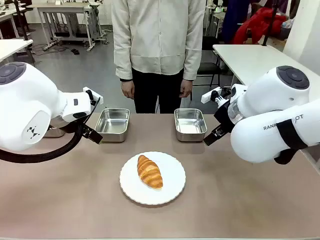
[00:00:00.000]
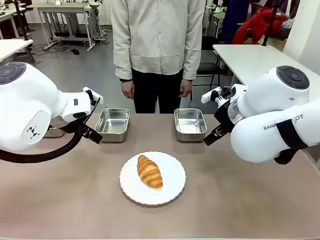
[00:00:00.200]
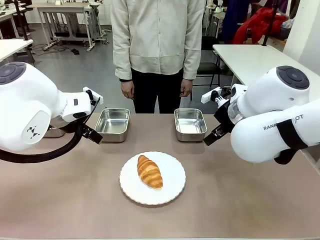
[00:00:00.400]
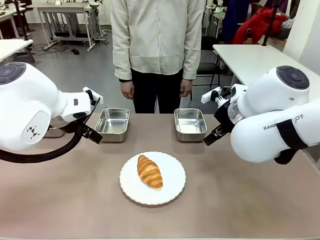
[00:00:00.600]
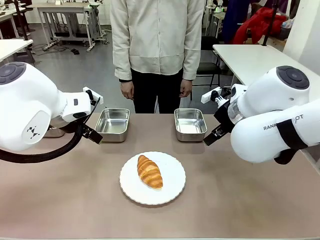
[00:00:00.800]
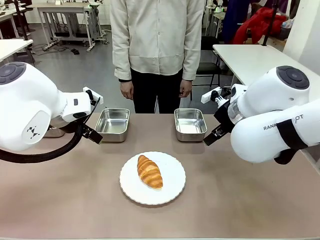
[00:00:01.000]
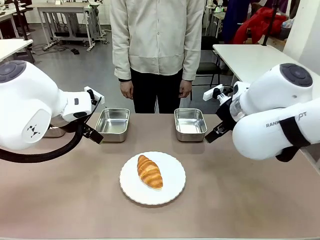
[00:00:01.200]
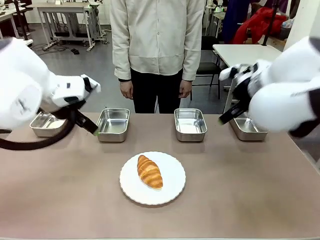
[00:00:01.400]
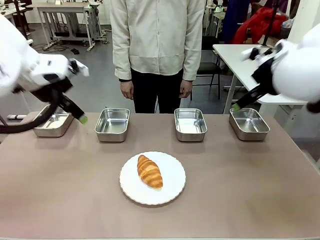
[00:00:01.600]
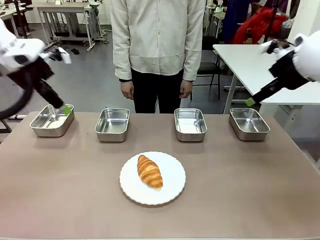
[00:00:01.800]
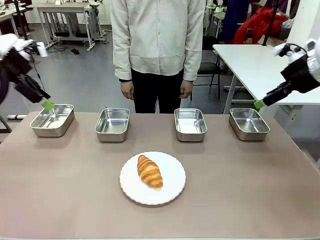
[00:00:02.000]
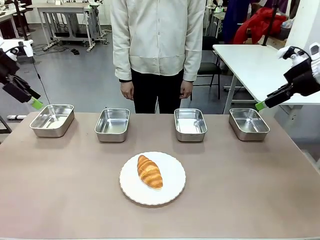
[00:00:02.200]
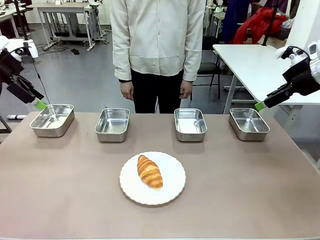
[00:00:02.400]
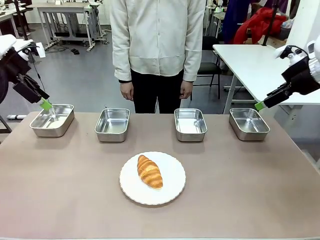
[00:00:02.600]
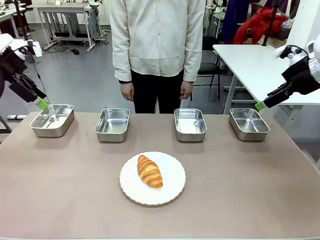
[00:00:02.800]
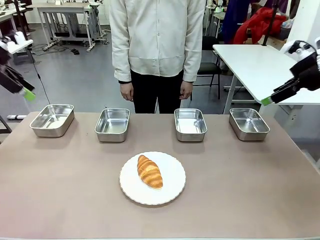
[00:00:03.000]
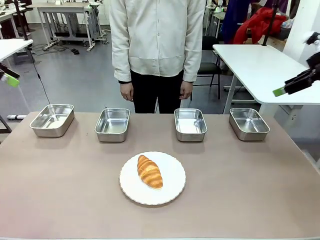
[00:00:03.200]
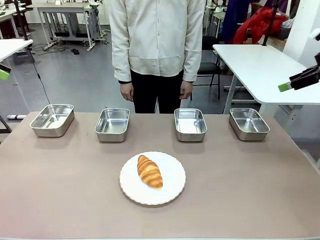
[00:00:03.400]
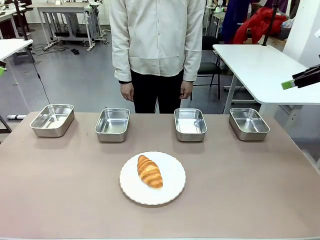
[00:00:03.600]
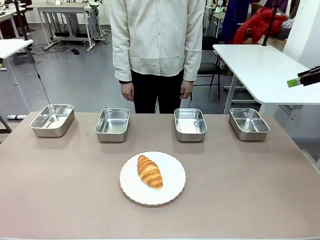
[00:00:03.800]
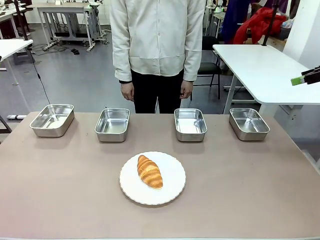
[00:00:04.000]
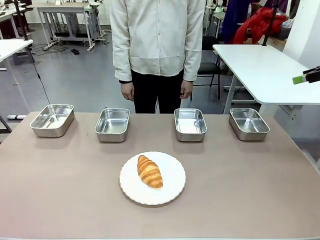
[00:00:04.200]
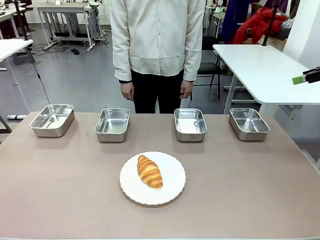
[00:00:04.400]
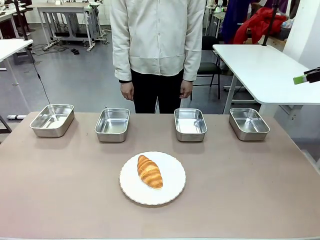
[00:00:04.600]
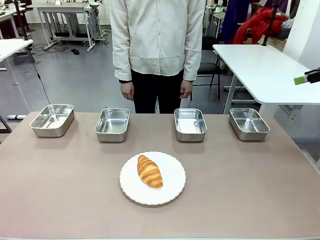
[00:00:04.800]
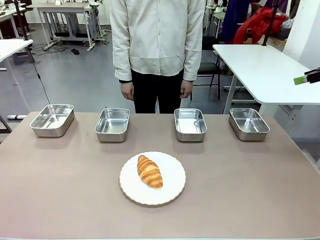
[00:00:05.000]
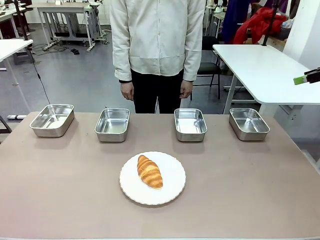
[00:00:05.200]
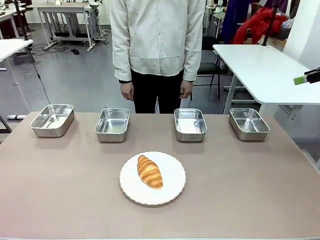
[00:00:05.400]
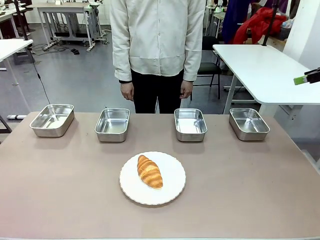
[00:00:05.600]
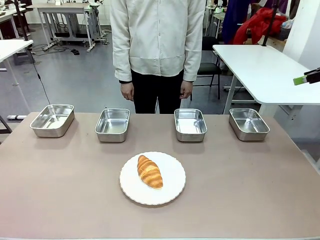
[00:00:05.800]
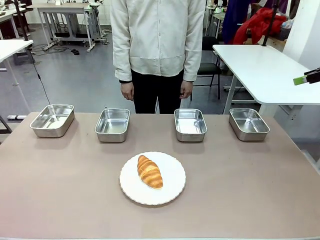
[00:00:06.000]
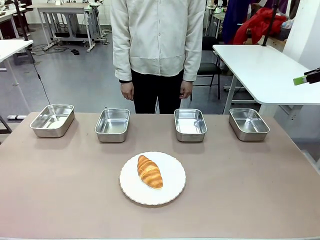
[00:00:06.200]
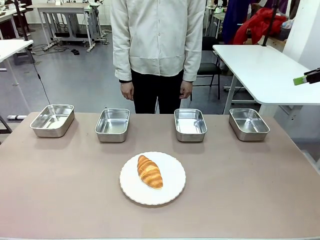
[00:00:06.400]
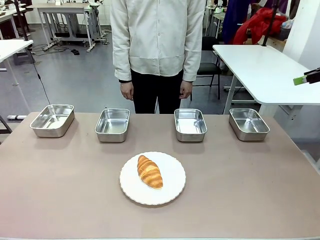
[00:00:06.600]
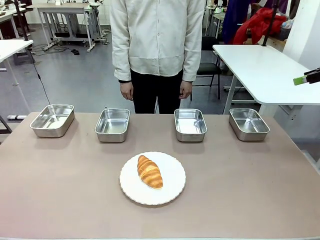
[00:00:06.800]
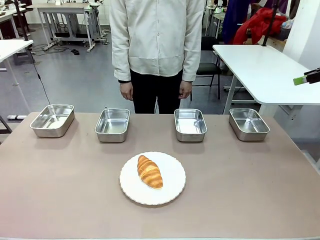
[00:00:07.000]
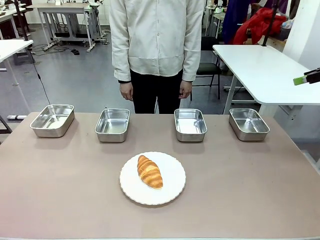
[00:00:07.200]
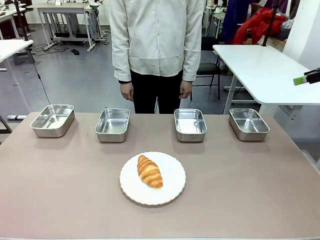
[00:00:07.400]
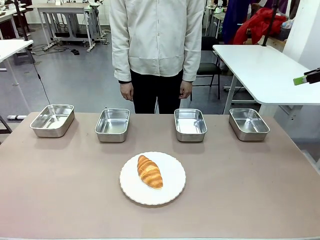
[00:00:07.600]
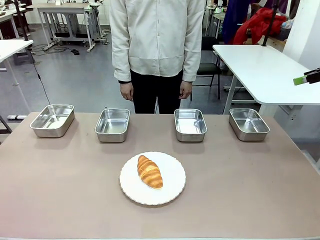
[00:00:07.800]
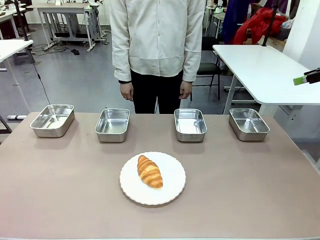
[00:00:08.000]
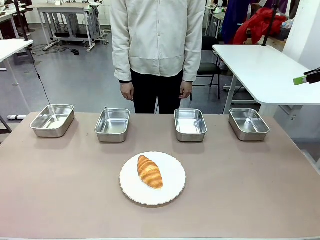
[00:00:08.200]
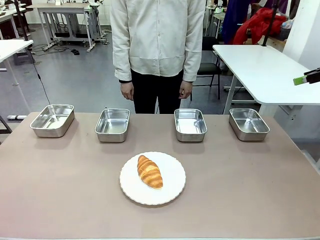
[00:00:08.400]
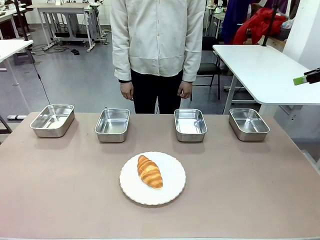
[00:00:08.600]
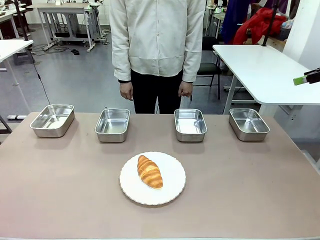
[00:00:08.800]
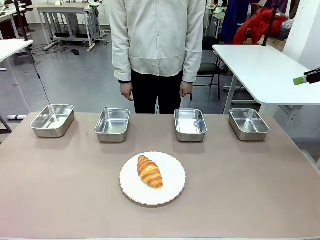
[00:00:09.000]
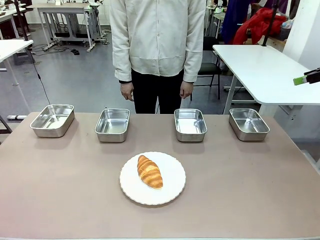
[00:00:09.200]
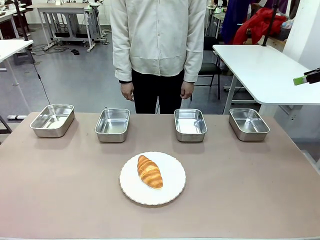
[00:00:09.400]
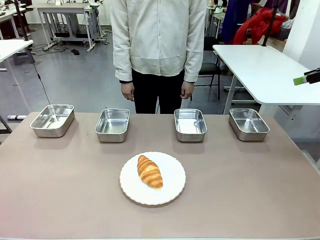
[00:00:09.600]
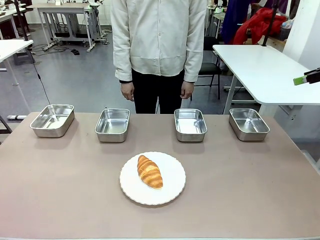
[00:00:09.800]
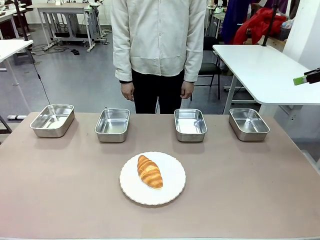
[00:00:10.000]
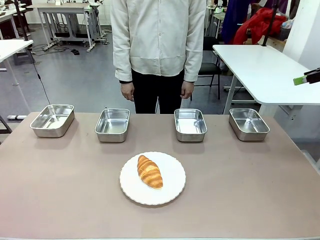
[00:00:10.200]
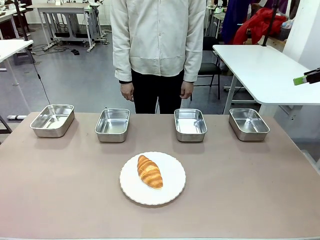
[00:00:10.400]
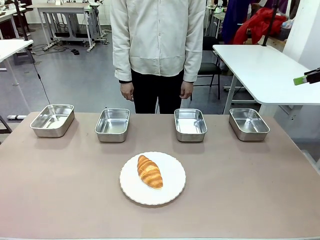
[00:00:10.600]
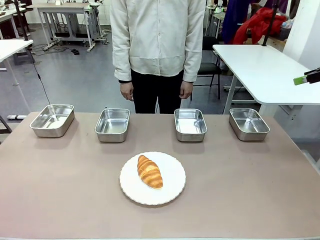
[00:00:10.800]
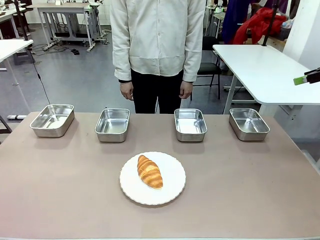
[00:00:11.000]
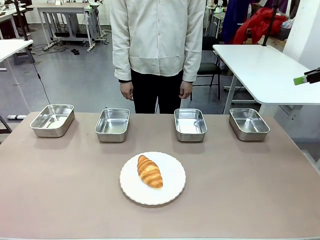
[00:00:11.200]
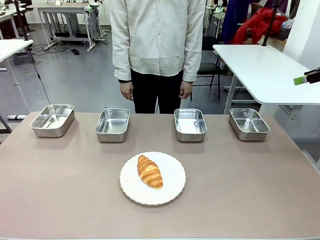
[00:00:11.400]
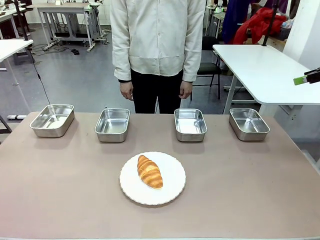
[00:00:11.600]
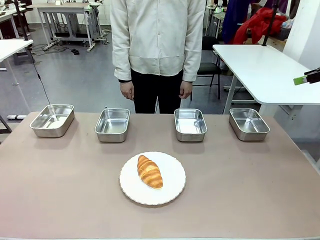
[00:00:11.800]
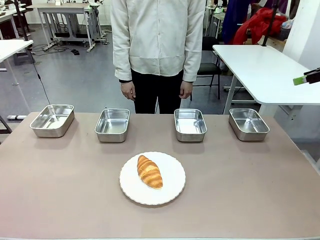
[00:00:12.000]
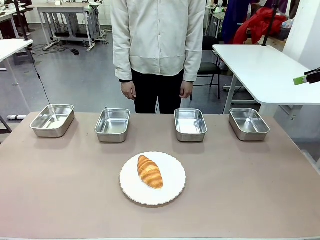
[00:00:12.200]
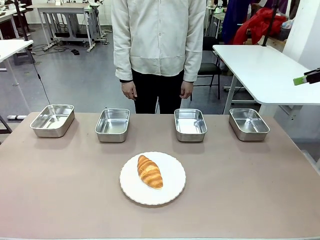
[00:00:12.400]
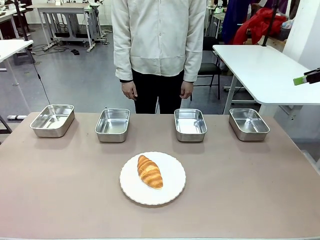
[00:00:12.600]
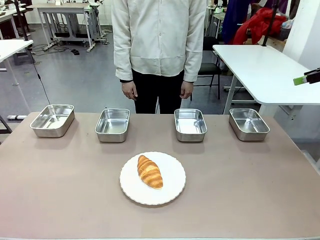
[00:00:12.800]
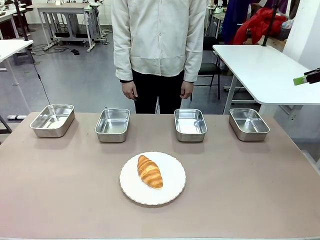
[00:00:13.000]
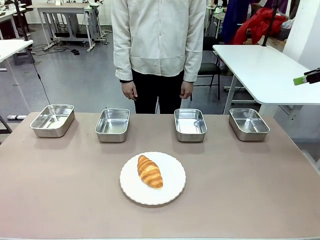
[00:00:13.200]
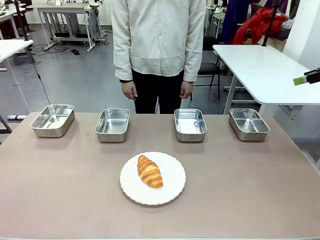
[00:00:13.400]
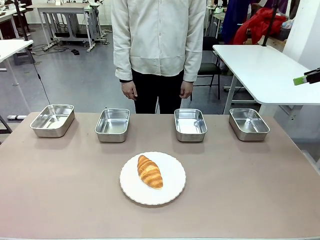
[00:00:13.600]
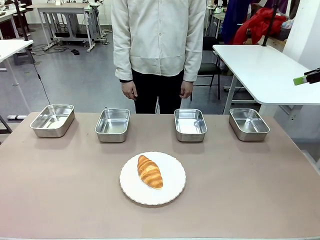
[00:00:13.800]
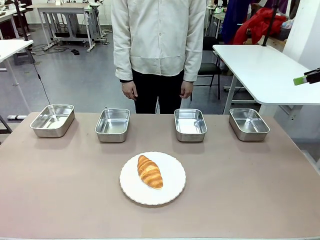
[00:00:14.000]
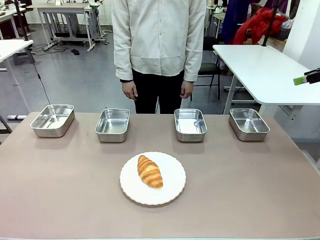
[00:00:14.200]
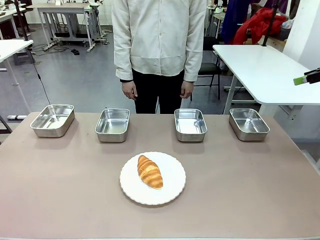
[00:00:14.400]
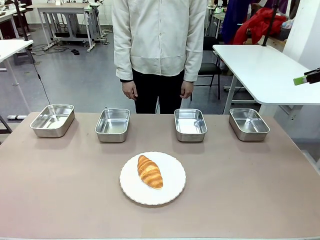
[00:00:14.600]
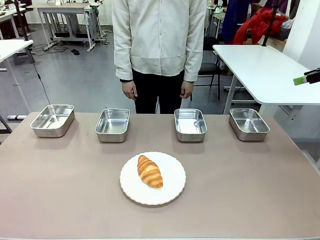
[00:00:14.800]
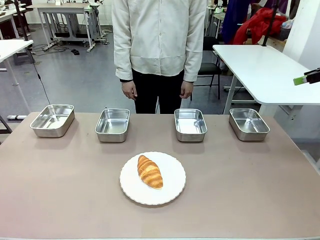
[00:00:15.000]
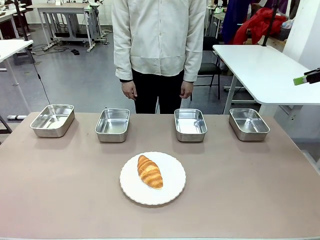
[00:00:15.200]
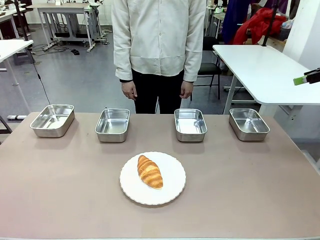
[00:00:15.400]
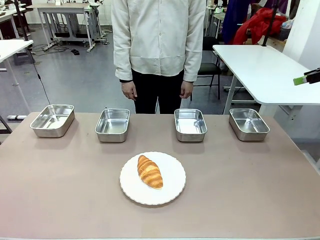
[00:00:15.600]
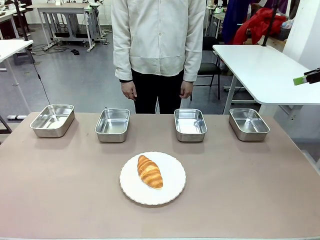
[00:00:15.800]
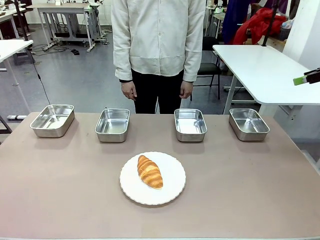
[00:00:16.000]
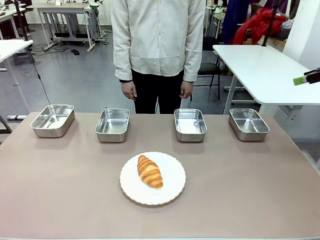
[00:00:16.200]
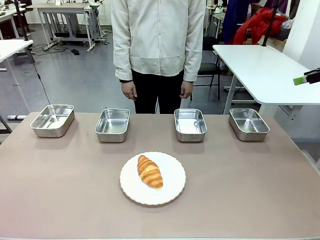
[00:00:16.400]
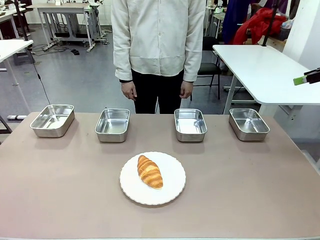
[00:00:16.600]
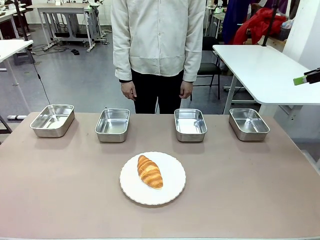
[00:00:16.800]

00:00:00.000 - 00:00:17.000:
Task: Place the bread in the container.
Robot: Place the Butter Roll into the Airtight Container indicated by the human.
